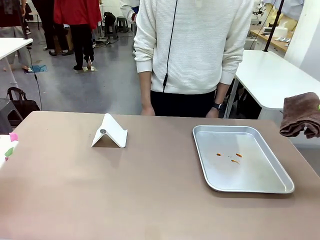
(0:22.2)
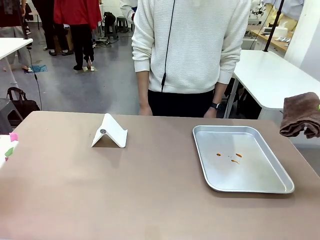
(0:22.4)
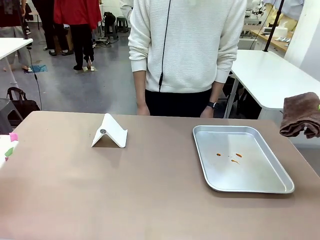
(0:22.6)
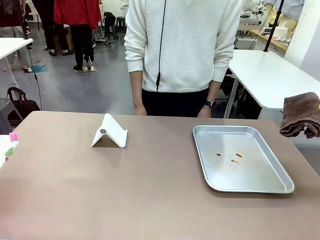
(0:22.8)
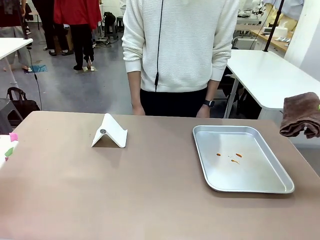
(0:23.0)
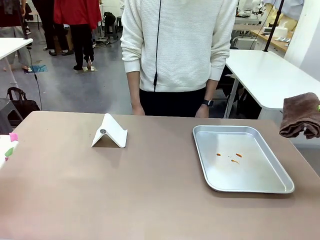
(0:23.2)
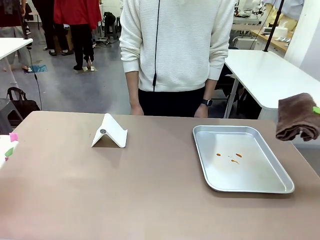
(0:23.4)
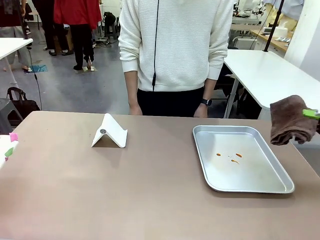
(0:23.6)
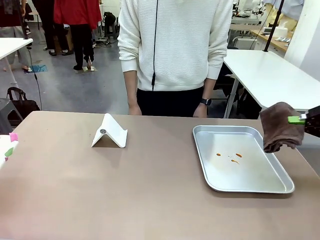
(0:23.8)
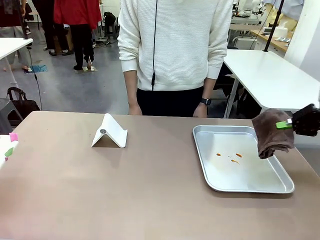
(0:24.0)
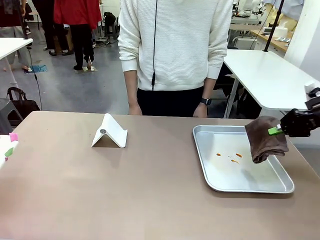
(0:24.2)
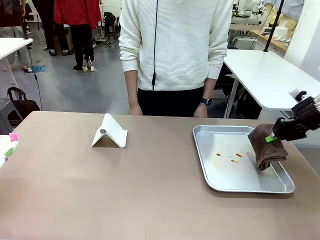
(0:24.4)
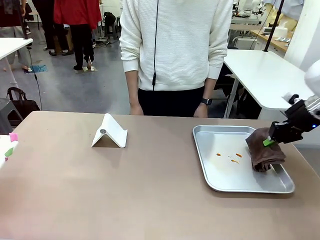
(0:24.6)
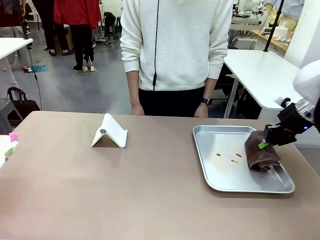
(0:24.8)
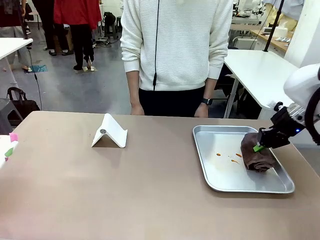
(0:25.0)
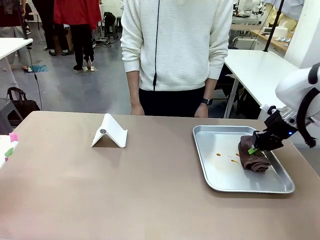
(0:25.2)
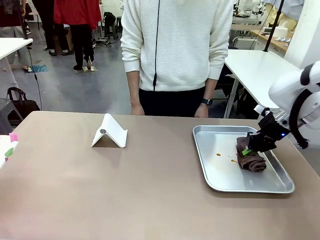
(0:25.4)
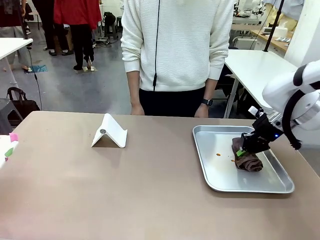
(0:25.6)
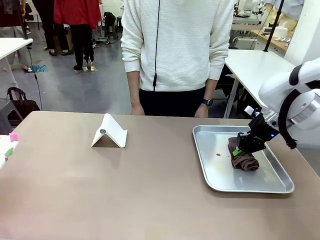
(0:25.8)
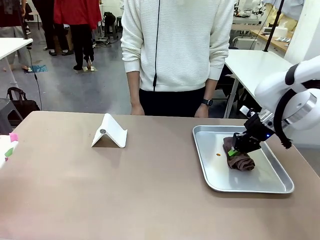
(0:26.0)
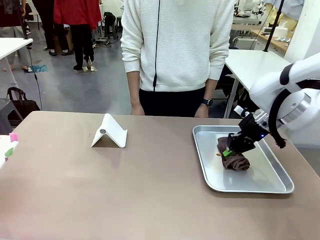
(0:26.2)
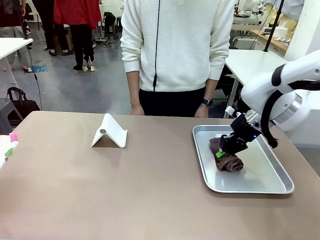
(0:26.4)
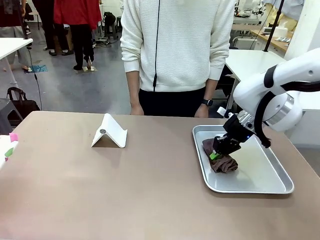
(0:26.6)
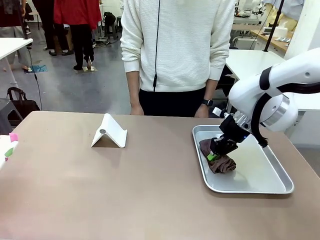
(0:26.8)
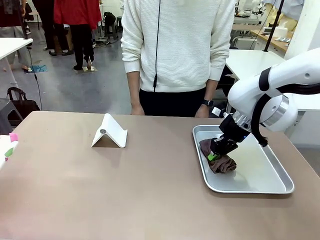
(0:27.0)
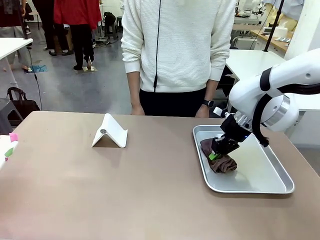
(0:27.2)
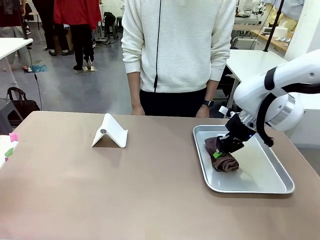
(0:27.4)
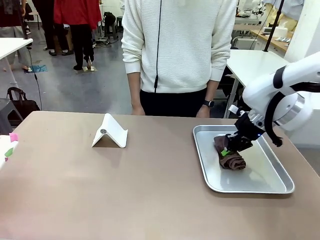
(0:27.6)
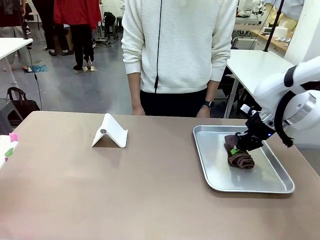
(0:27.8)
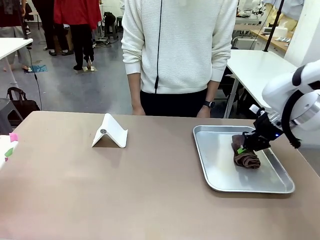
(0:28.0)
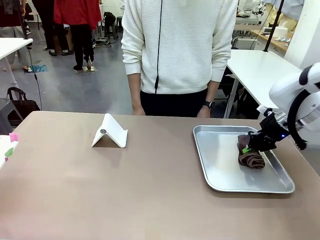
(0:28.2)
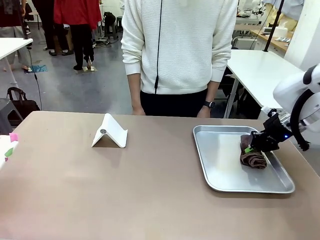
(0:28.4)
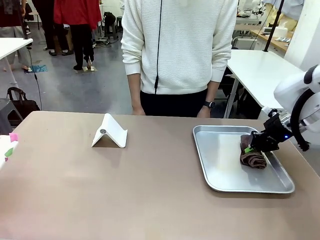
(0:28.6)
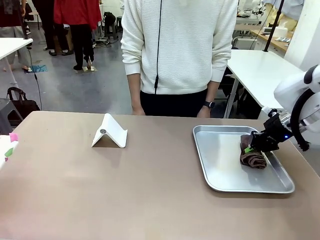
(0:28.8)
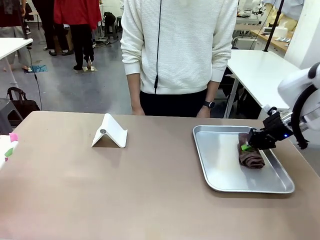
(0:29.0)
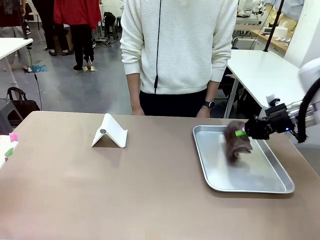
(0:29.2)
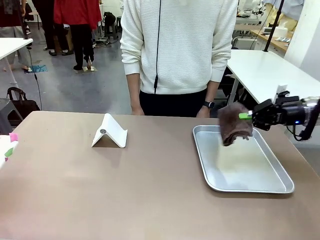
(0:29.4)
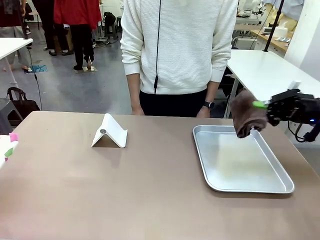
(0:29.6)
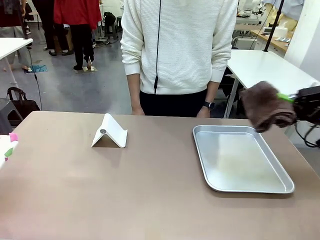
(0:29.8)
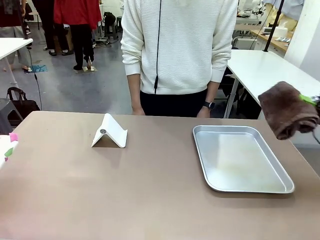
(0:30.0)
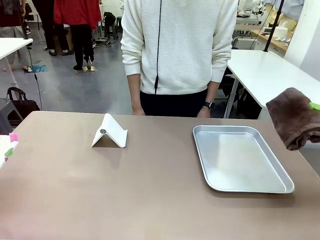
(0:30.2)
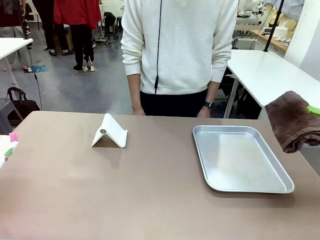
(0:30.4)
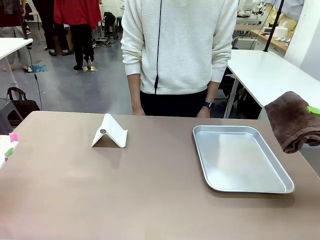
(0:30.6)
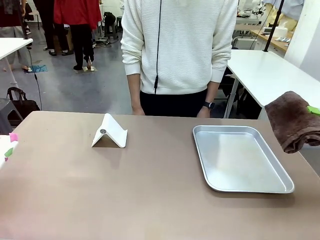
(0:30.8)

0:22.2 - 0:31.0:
Task: Clean the surface of the table.
Robot: Clean the area not pointed to by the person.

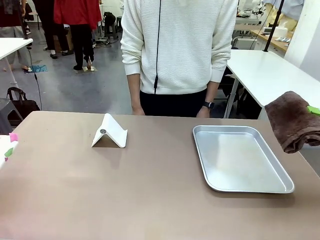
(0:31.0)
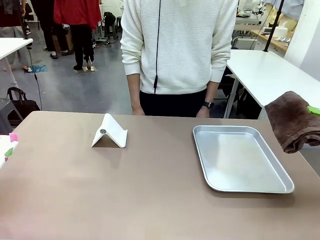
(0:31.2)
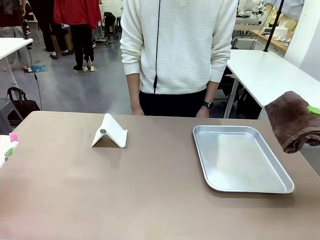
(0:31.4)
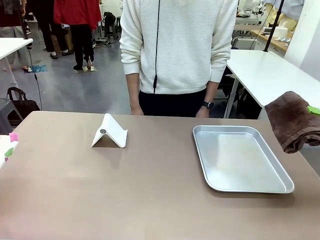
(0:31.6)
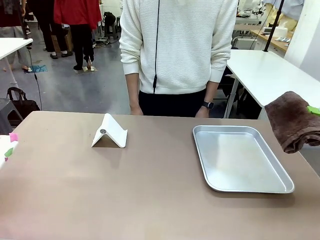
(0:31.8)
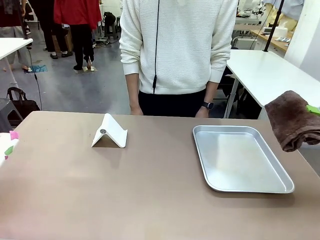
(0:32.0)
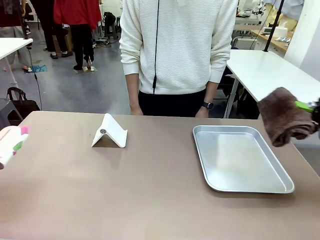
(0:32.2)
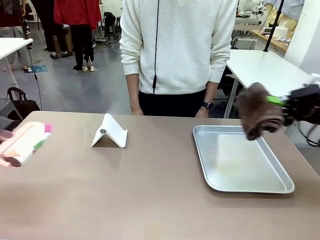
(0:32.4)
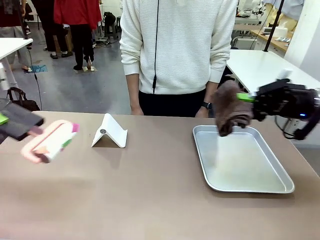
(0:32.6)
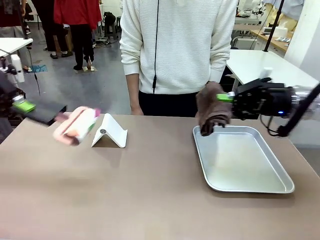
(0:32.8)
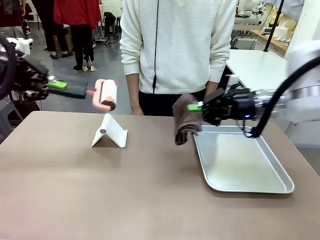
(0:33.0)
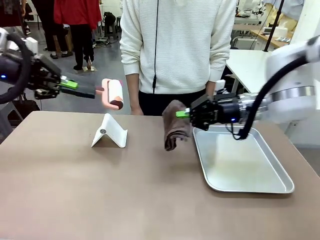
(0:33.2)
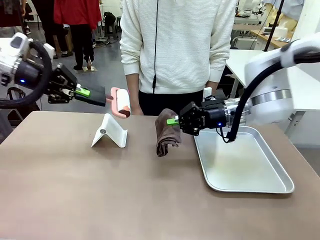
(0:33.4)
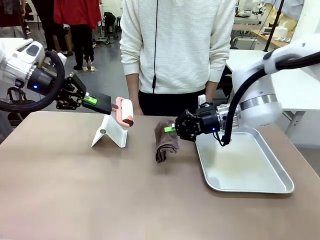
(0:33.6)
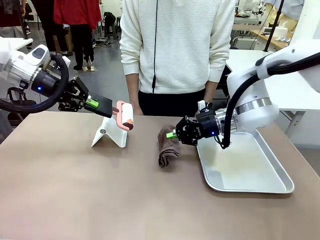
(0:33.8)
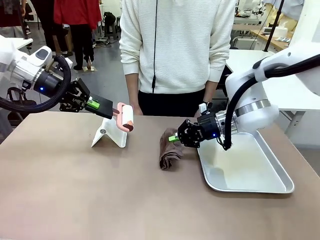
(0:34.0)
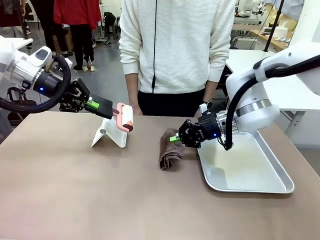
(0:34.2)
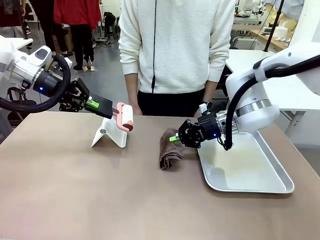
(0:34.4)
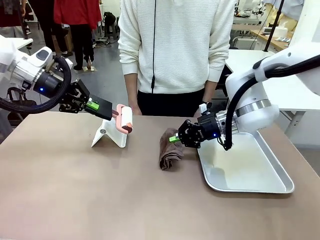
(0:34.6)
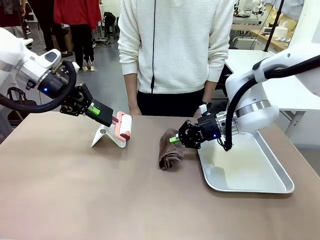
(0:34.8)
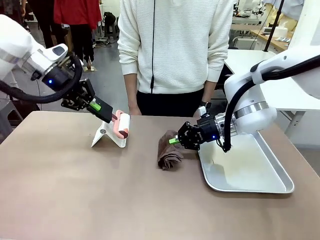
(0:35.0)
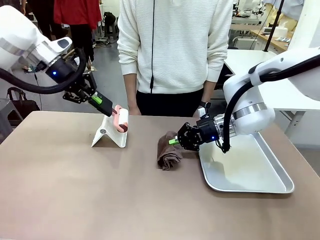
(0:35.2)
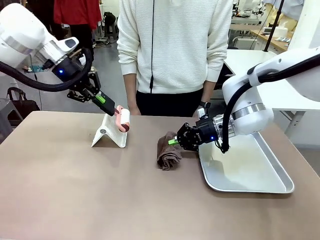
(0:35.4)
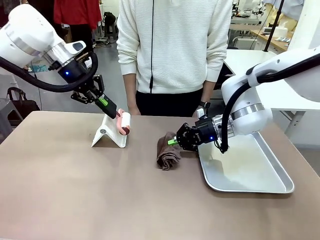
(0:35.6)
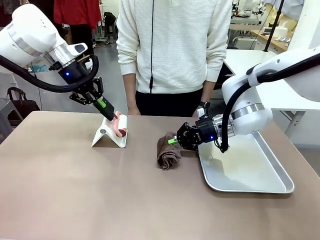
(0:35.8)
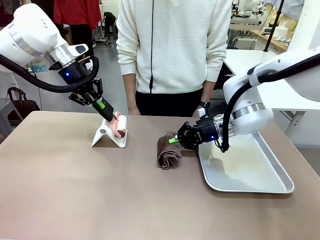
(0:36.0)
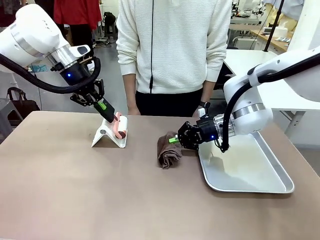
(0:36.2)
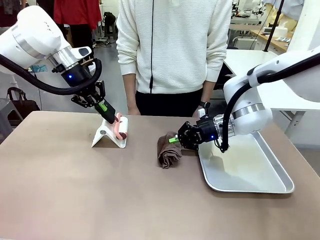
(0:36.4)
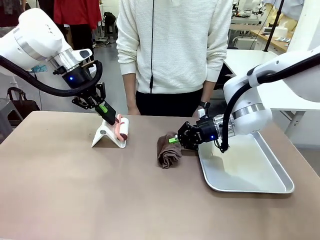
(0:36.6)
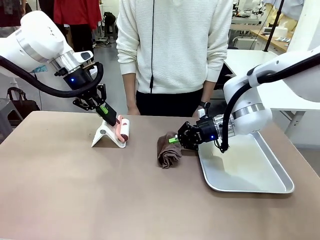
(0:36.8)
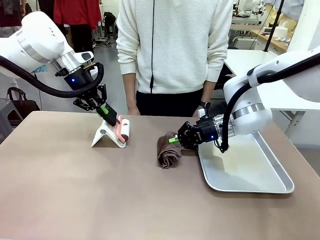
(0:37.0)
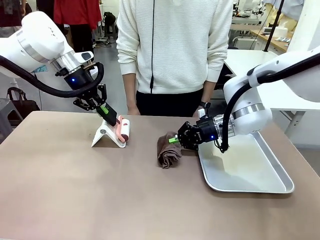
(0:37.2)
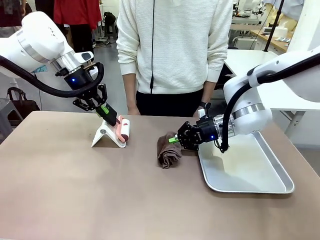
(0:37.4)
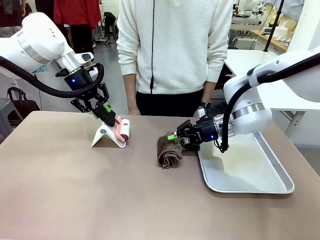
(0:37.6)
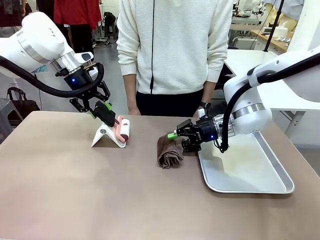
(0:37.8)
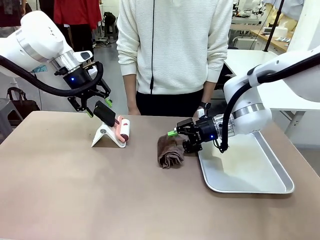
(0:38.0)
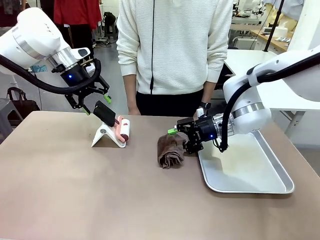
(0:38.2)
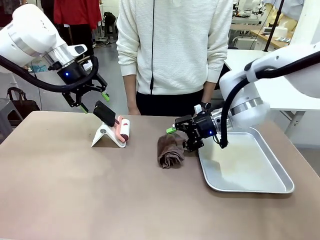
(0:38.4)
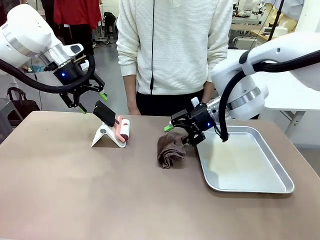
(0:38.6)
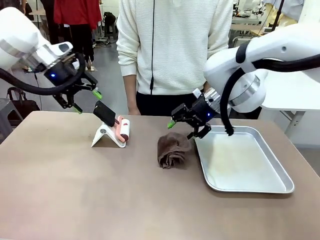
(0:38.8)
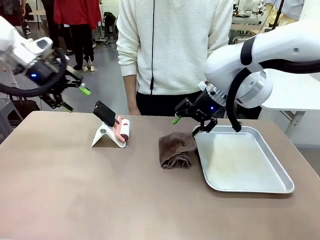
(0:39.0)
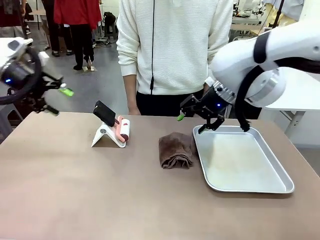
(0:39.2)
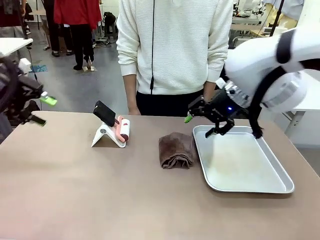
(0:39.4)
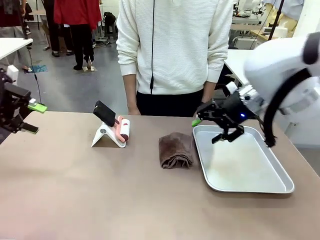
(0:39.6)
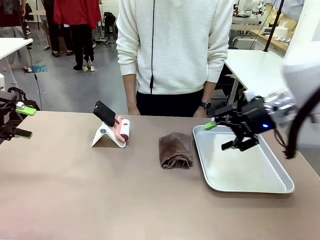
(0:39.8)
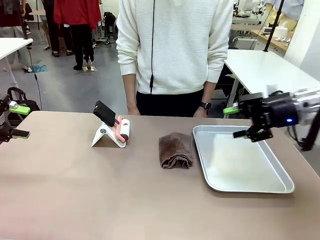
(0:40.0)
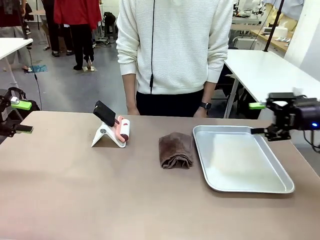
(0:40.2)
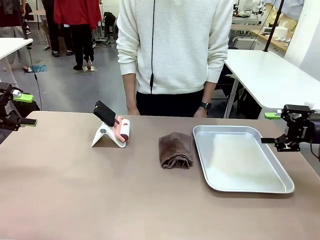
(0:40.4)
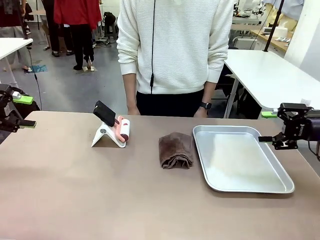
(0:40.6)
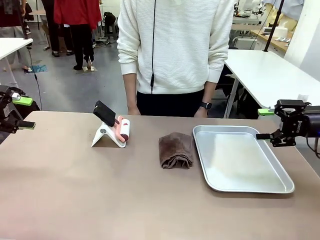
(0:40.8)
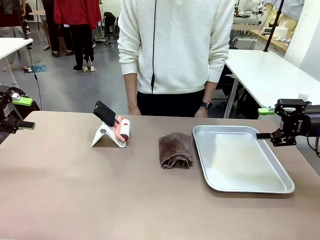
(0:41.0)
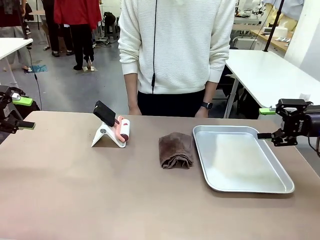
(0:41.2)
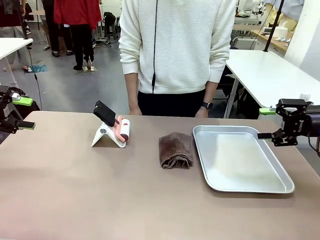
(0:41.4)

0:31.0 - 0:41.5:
Robot: Return the Lint Roller and towel to their original positions.
